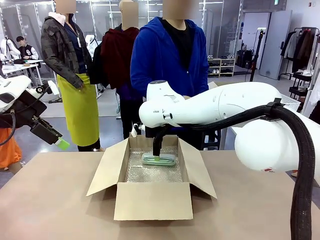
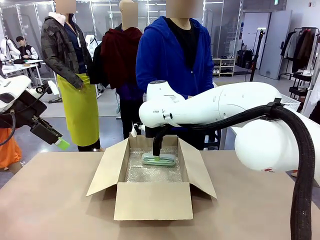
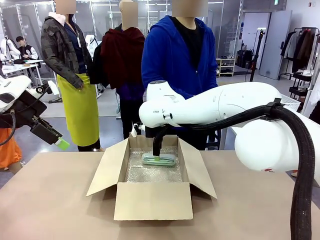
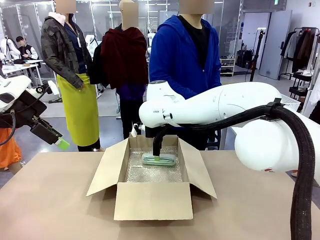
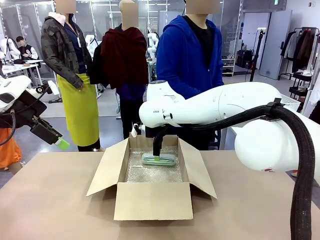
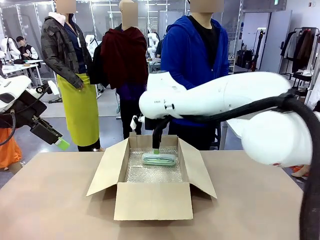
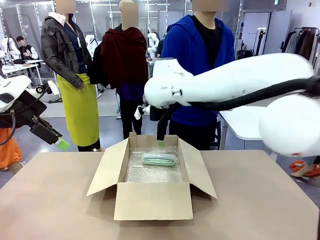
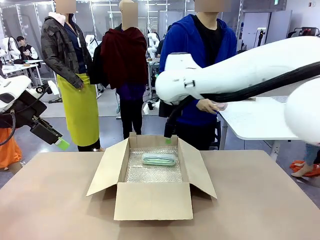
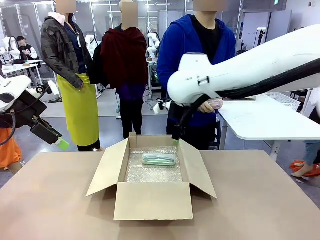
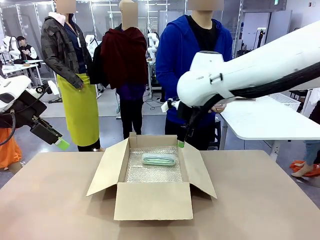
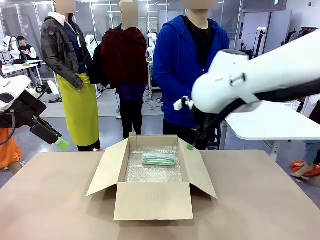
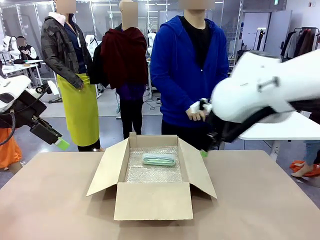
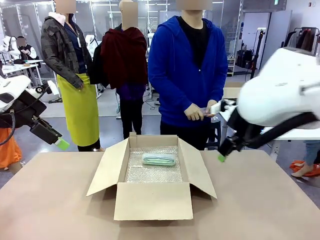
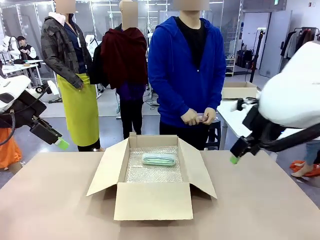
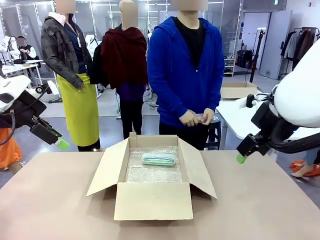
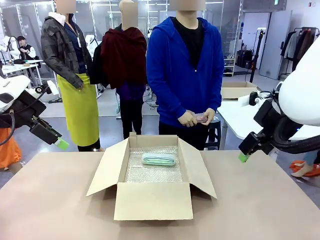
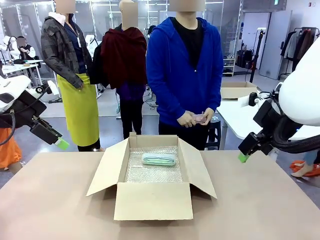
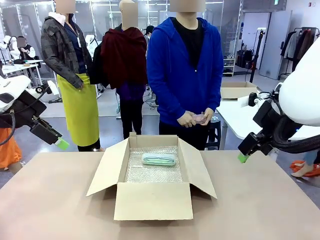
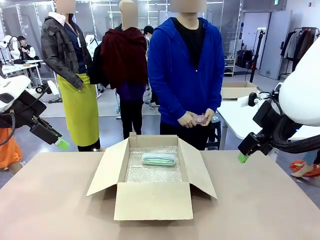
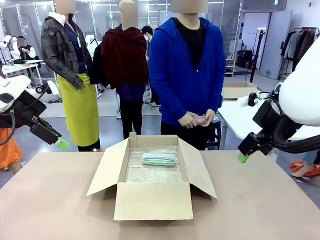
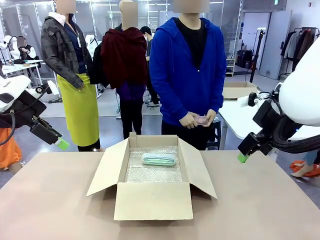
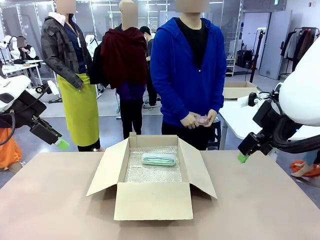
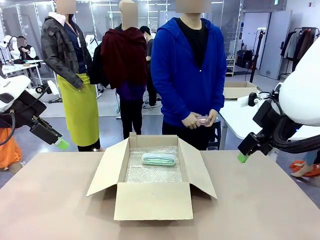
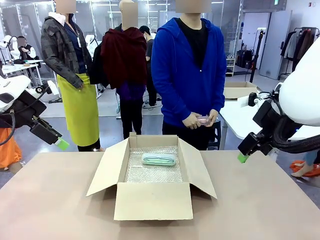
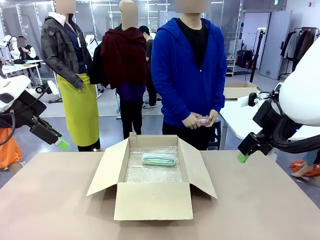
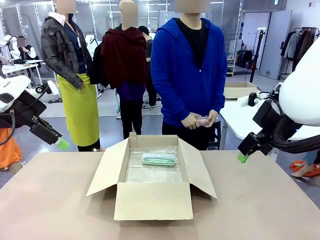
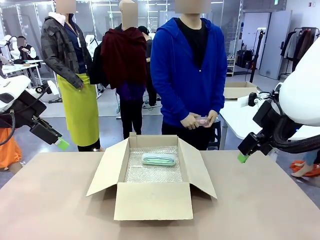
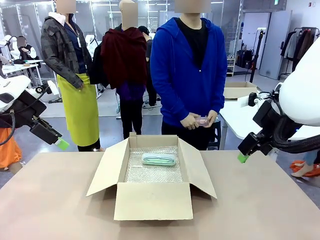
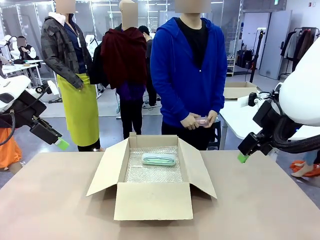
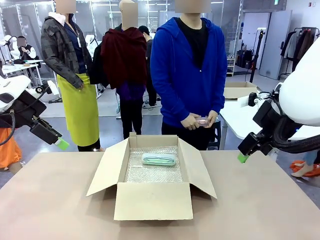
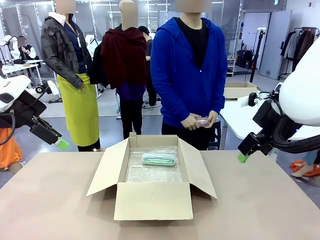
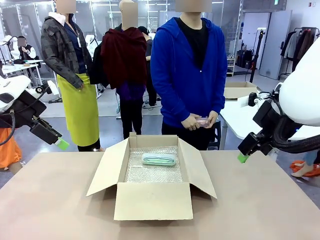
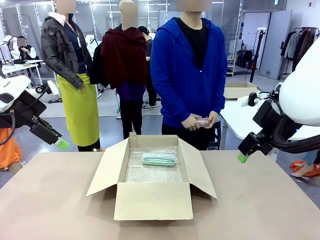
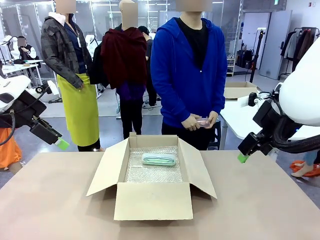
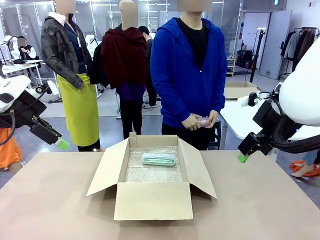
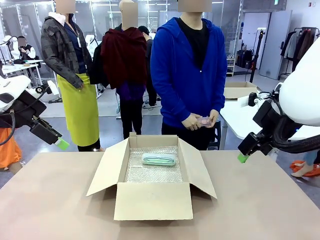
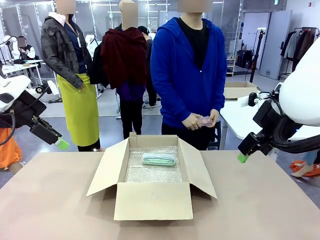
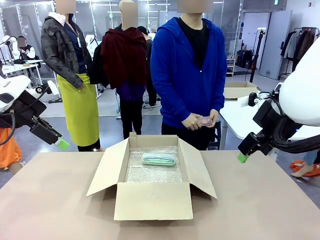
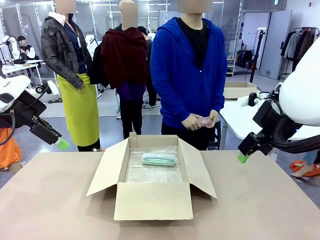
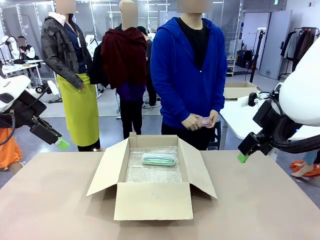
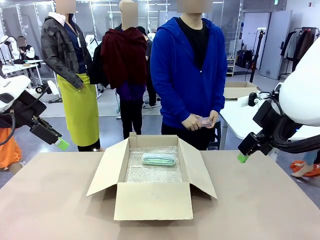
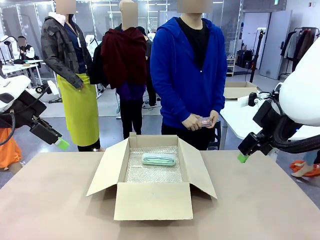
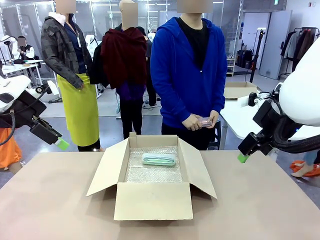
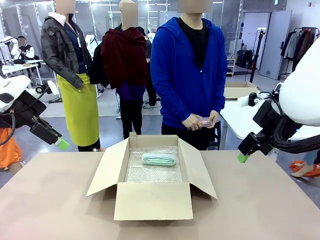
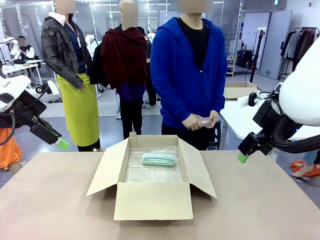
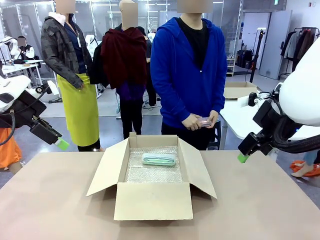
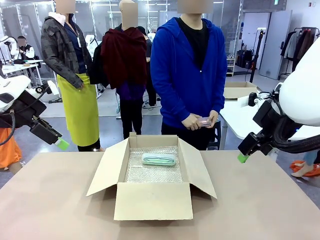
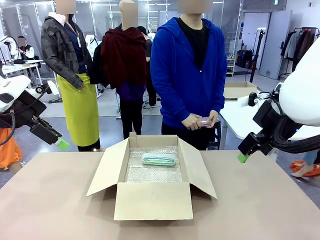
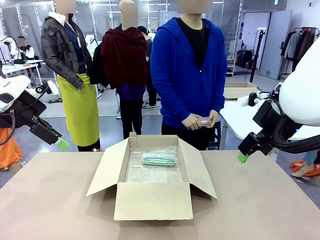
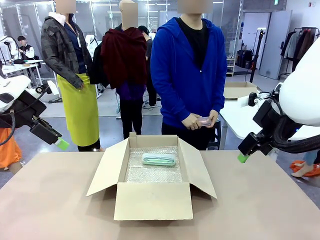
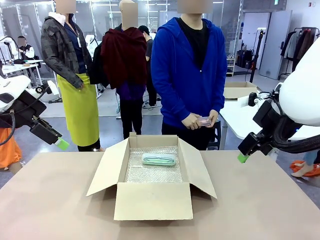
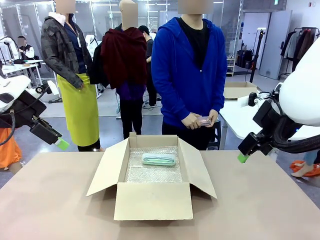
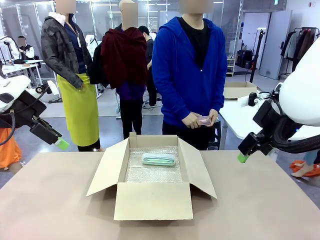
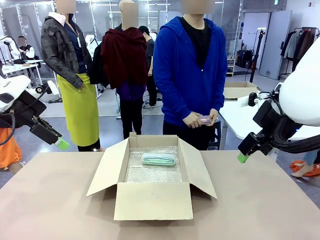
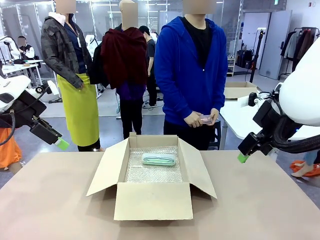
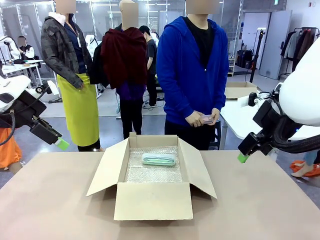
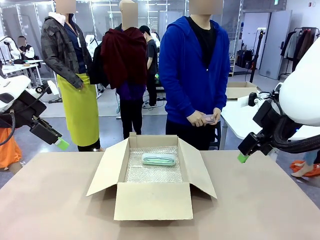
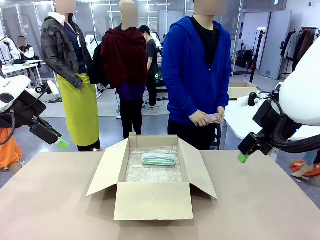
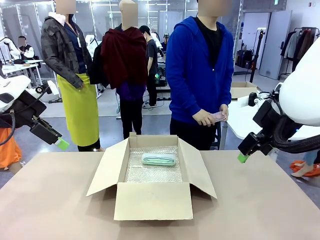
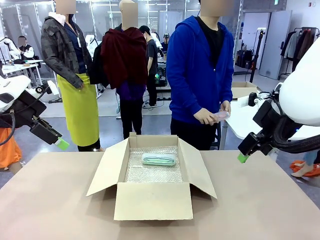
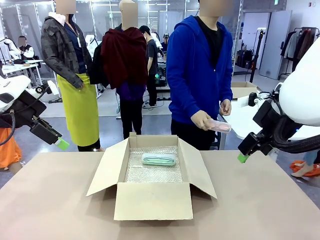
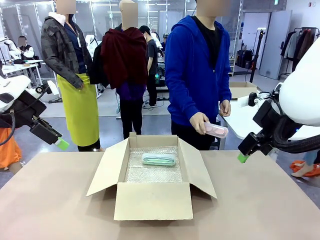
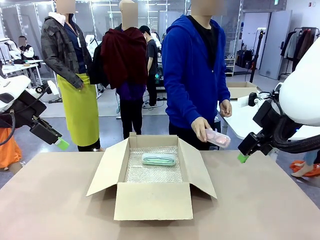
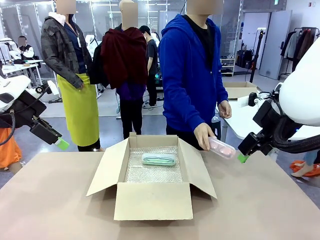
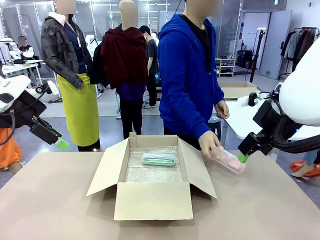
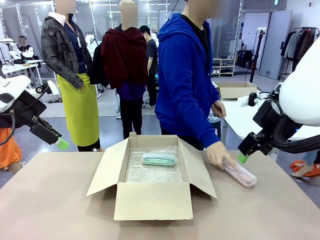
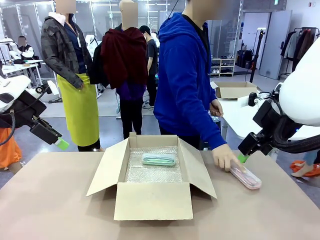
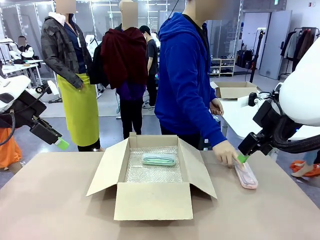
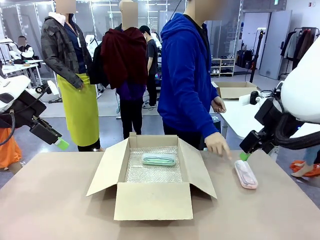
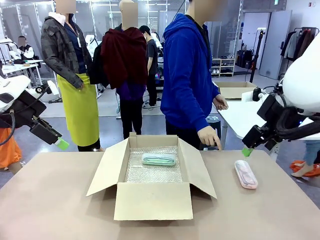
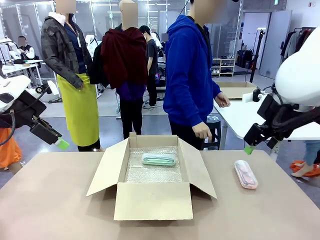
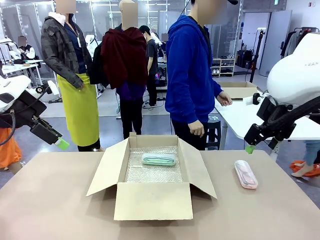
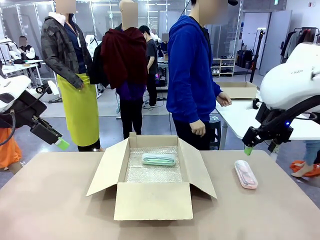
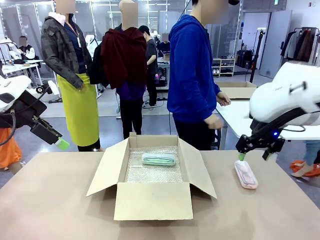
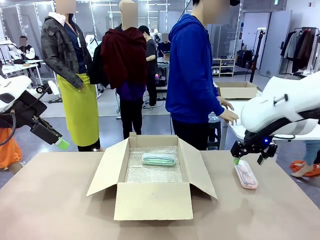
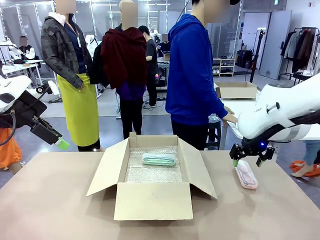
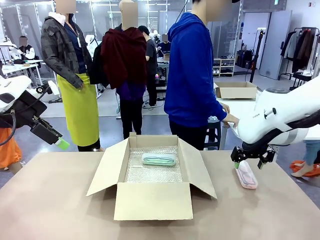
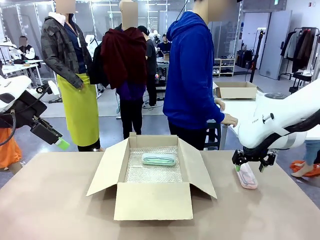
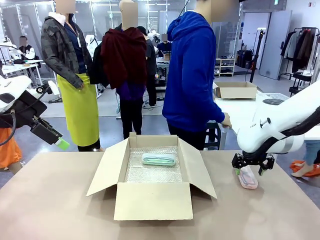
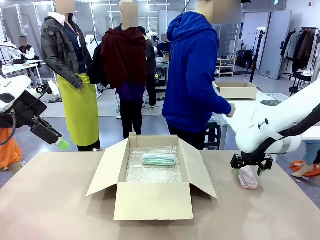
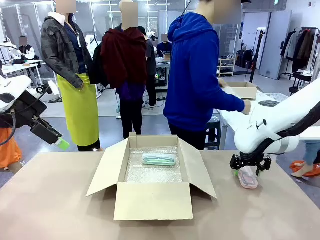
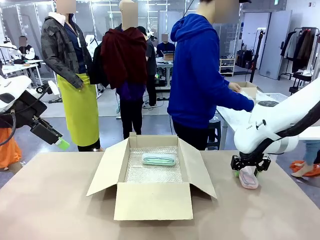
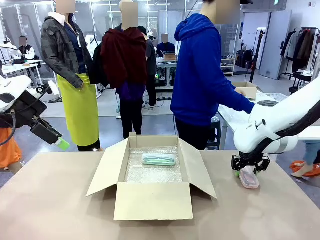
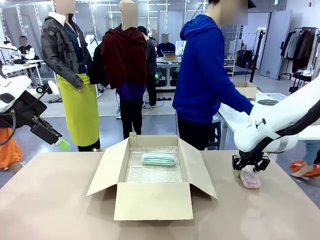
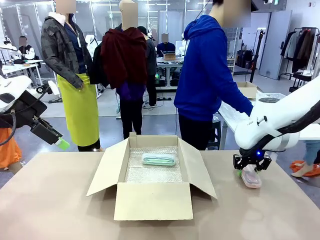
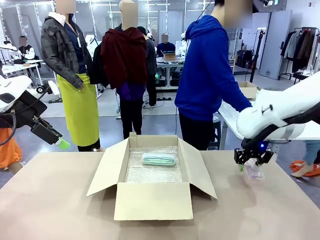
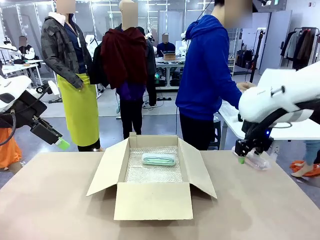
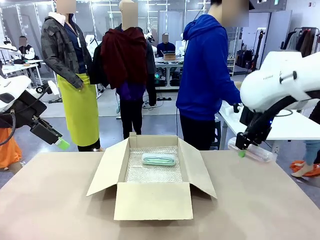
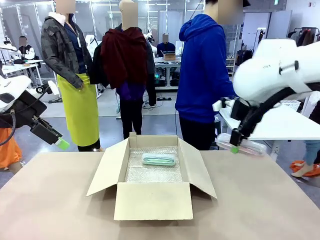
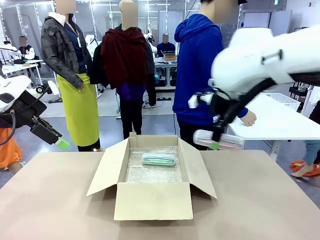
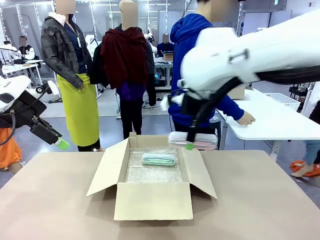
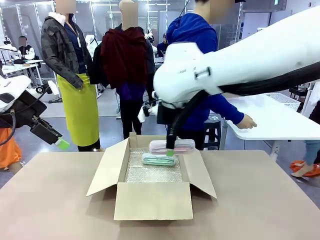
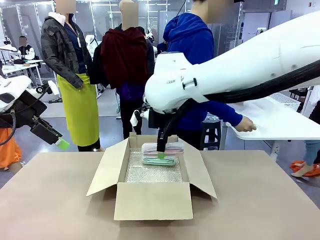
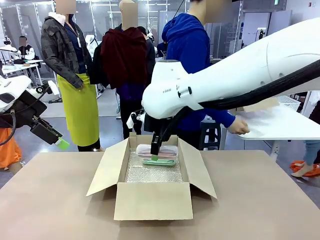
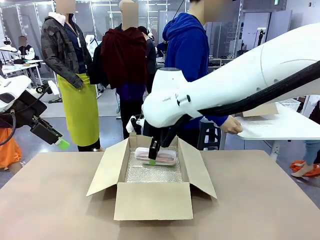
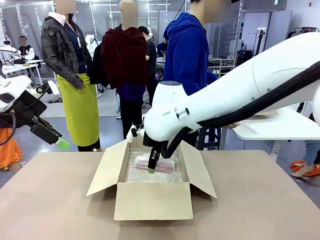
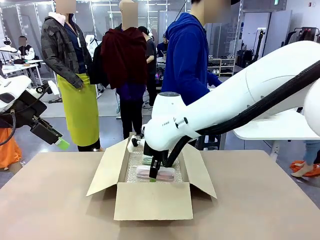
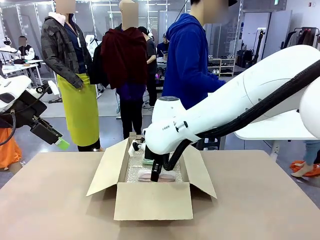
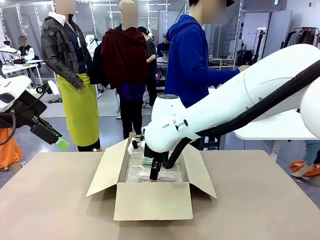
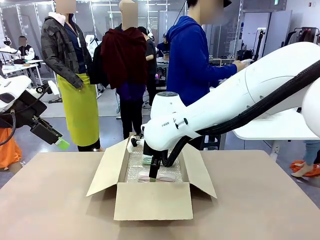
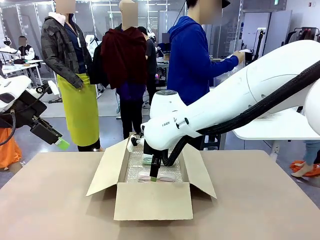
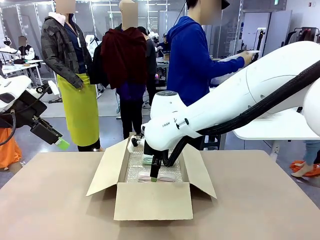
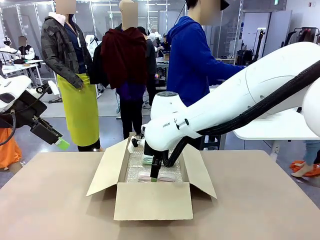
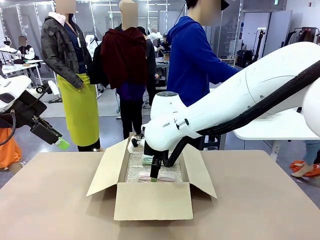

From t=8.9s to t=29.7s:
Task: Pack the glasses set securely to prepare it for shipping.
Robot: Put the Glasses case from the right side of the table into the Package Box.
Person: Position the Glasses case on the left side of the robot's table.
